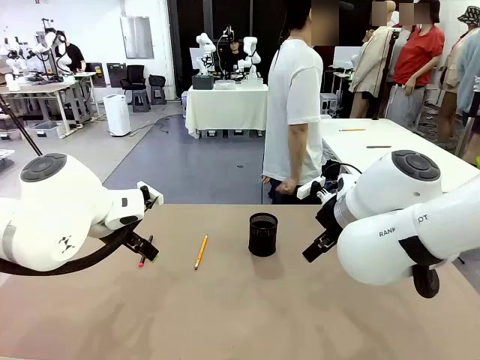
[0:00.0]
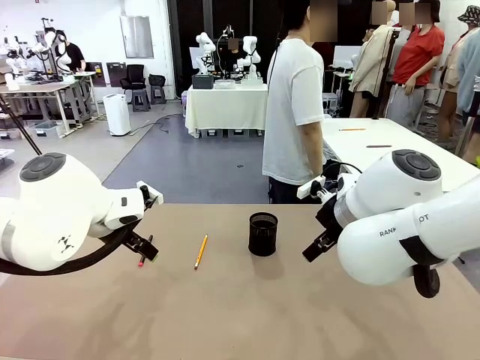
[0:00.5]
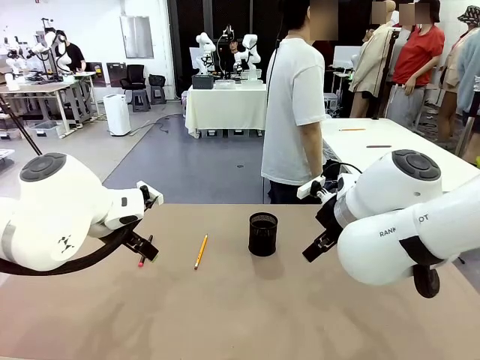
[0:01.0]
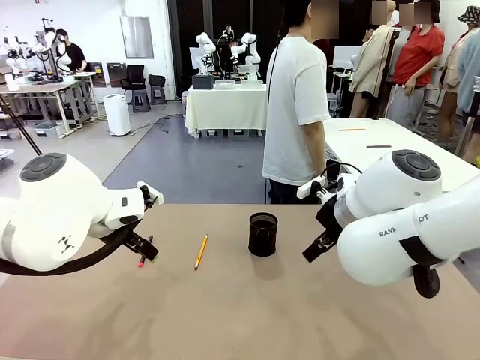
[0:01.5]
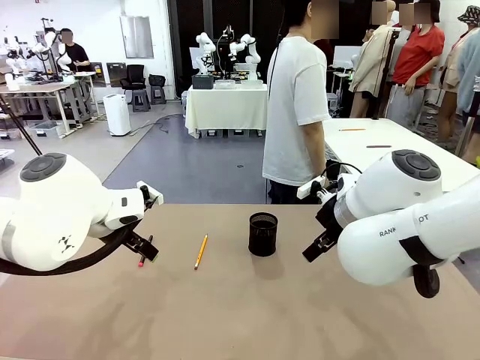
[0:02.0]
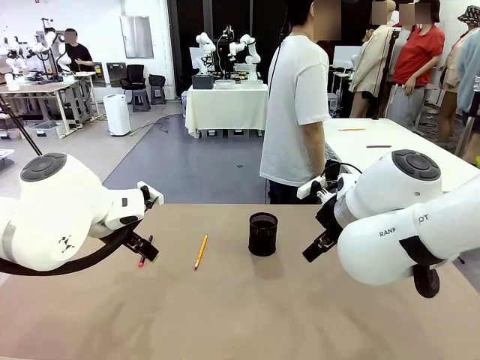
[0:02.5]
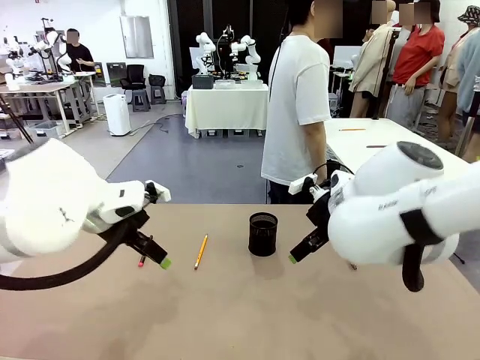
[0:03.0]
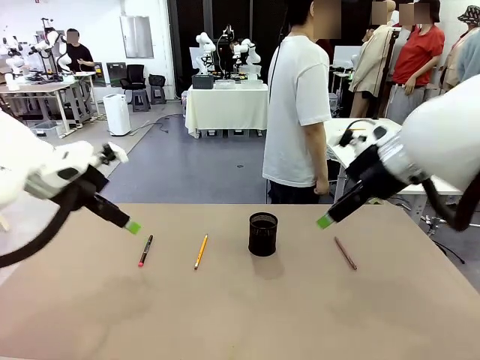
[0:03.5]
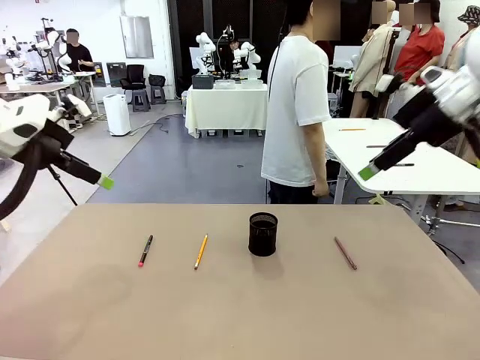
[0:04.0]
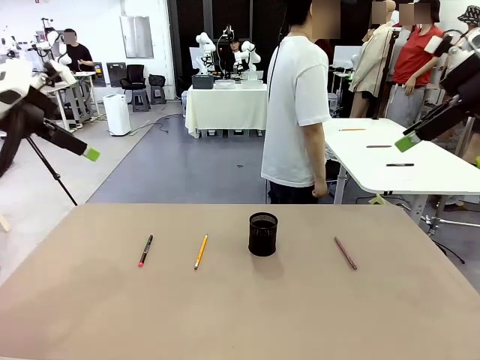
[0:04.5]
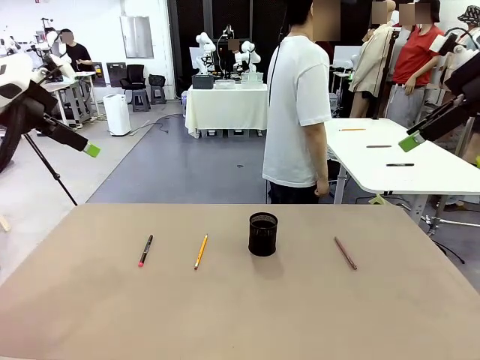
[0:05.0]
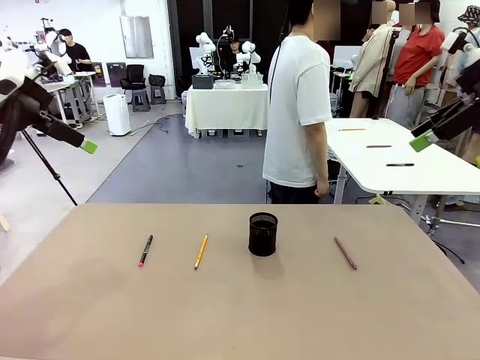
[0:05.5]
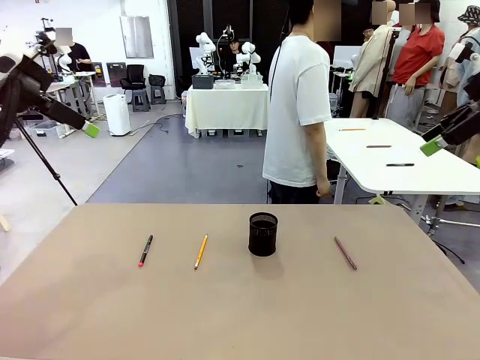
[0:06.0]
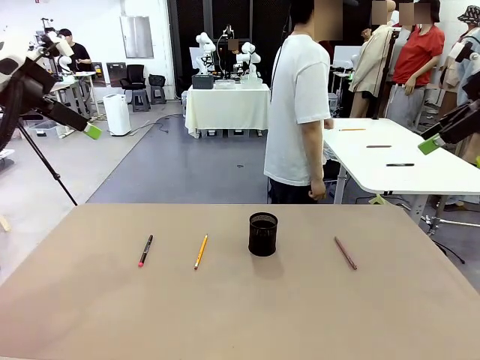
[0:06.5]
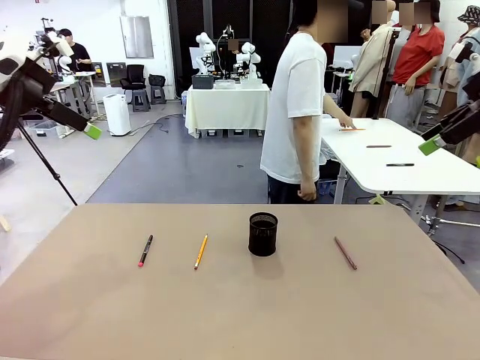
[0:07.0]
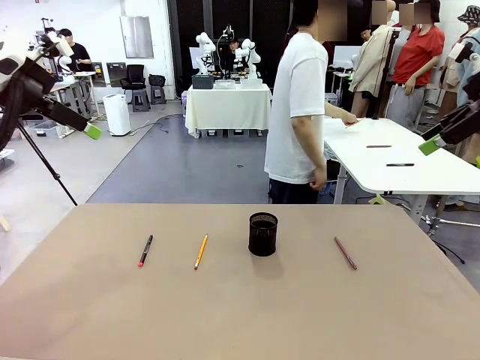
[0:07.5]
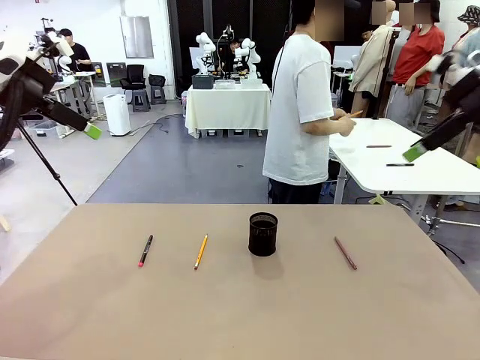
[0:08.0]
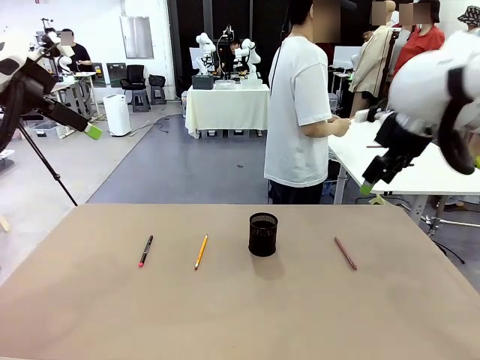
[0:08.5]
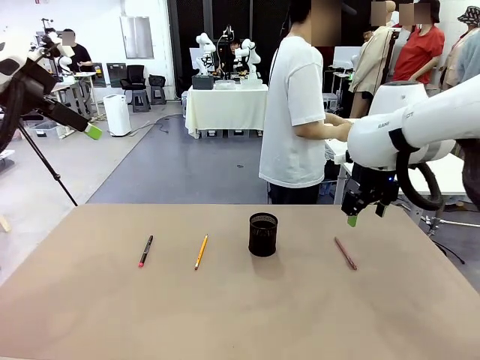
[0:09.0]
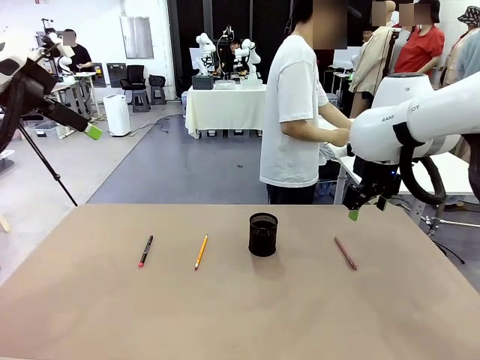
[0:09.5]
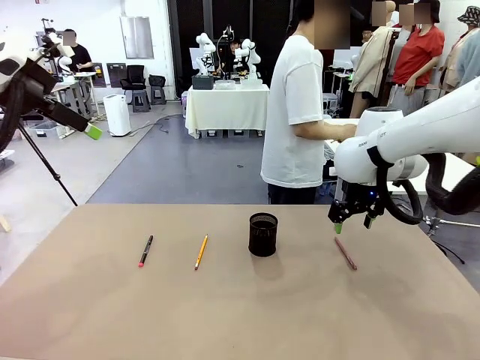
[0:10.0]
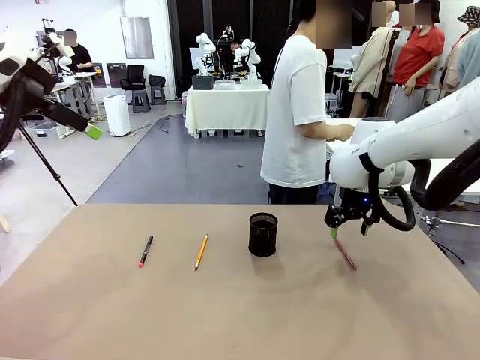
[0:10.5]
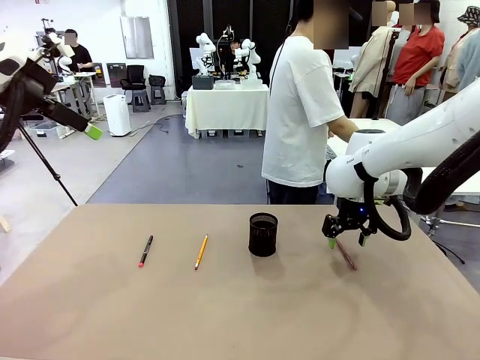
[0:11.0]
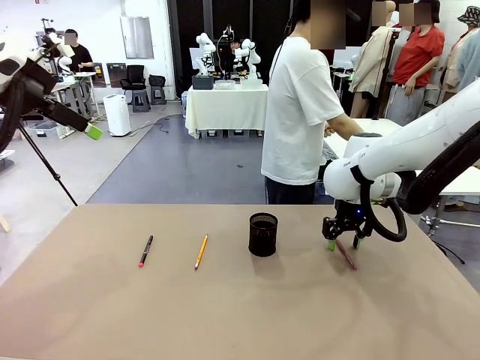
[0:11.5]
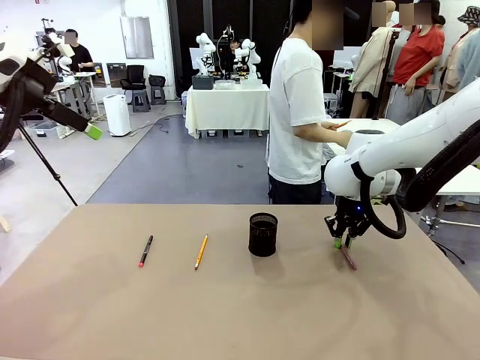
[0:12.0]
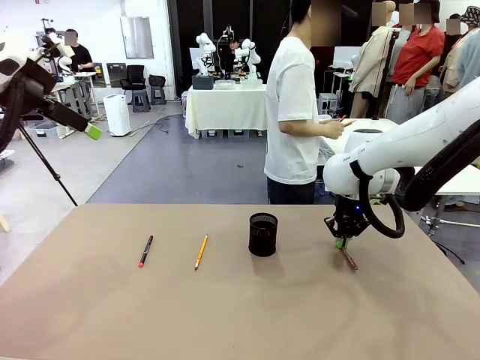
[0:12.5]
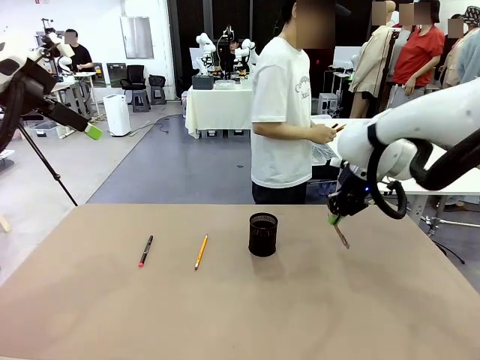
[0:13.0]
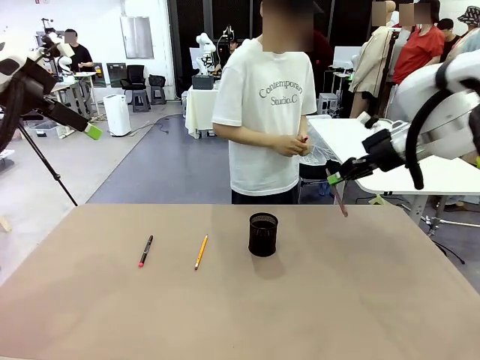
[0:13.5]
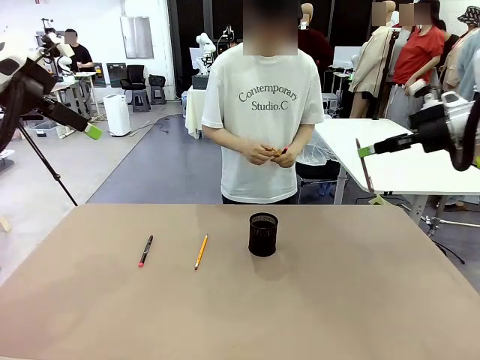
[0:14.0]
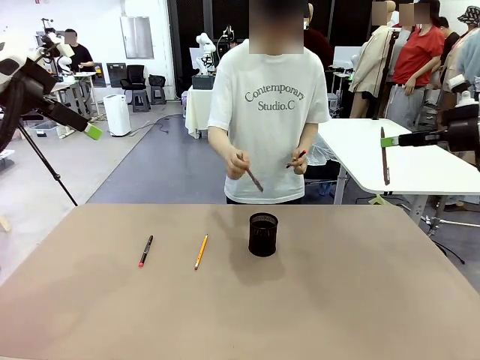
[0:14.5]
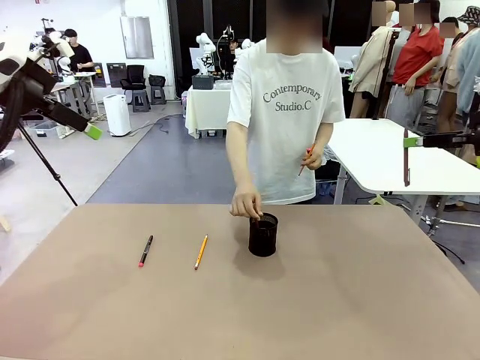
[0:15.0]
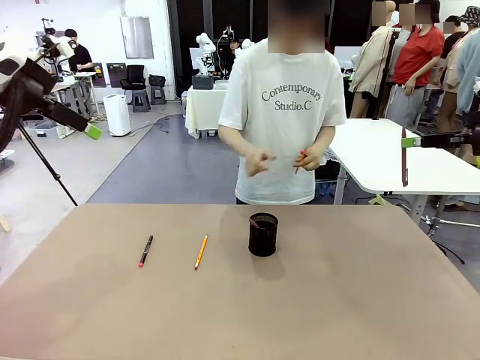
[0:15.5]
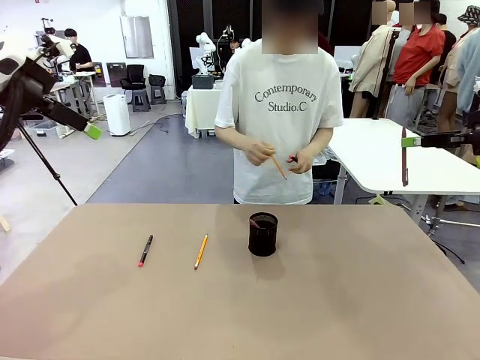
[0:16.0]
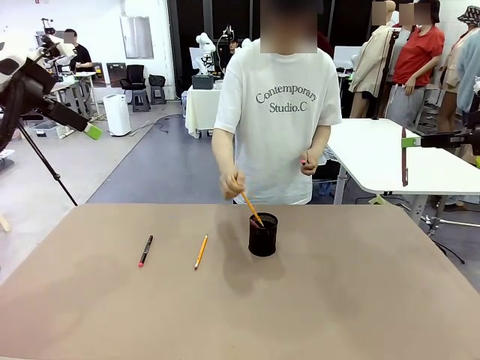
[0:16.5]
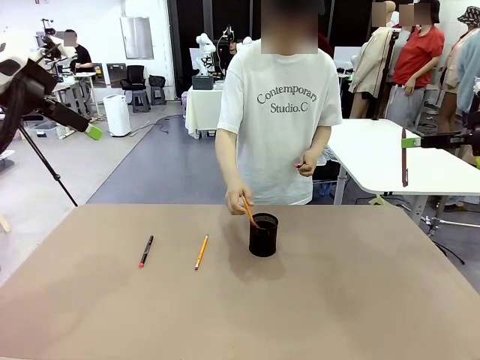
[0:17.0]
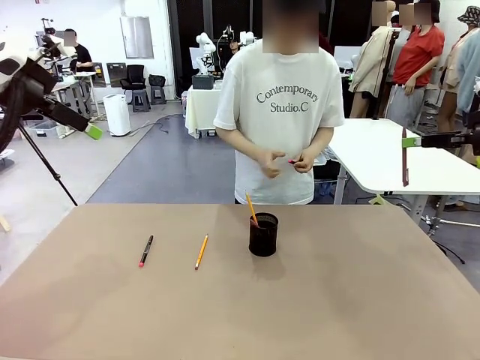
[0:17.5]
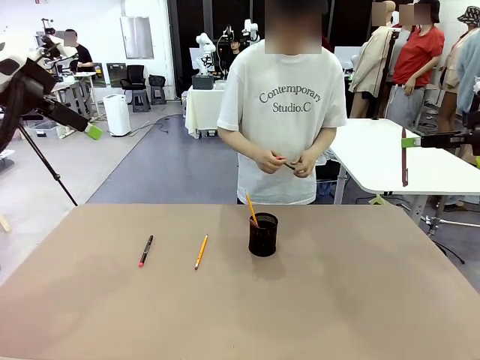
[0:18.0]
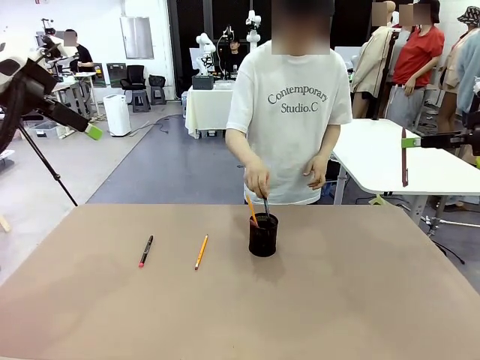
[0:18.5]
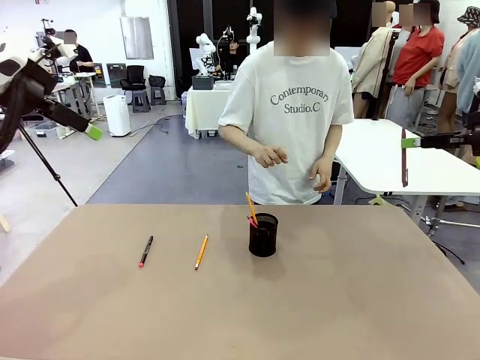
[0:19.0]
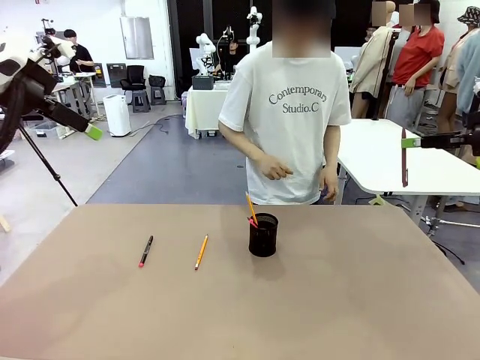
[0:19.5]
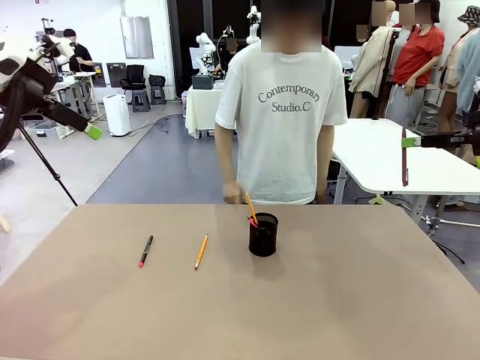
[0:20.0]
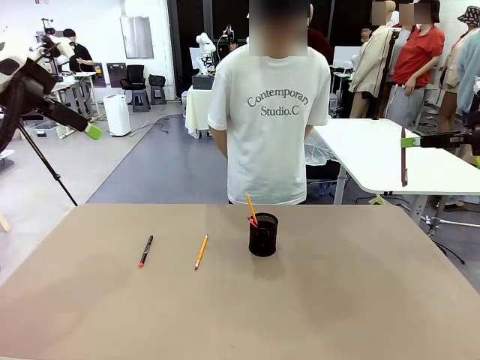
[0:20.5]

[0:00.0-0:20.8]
Task: Place the pens into the pen holder.
Robot: Pick up a writing instrument from the table and place it into the Pen holder.
Person: Pick up all writing instruments from the Human table.
